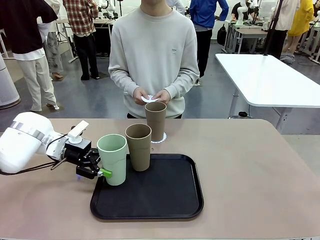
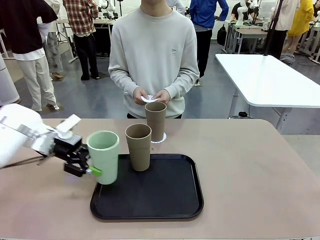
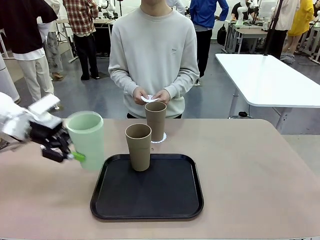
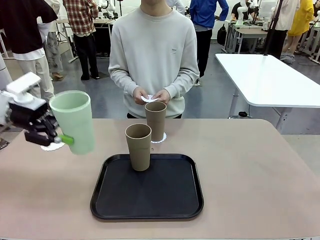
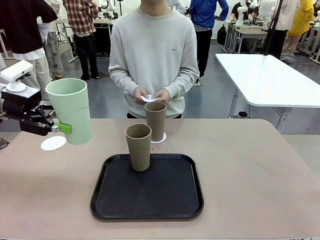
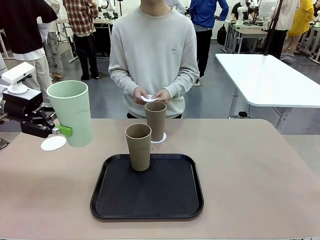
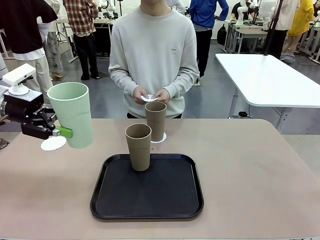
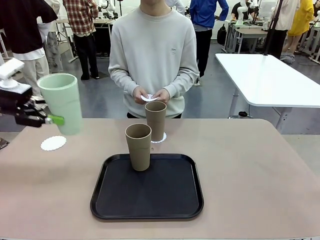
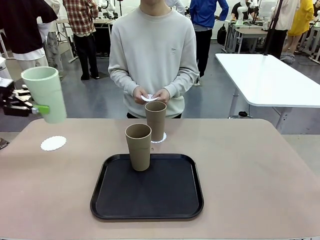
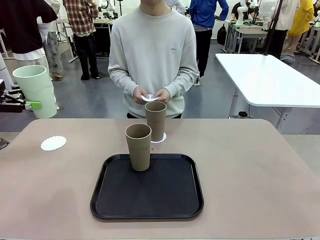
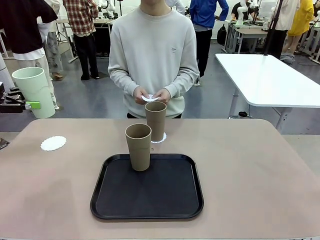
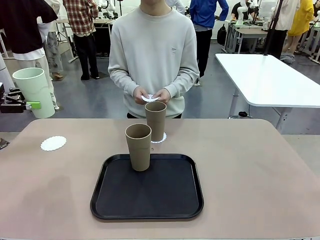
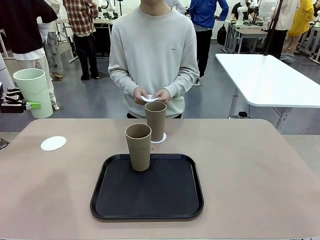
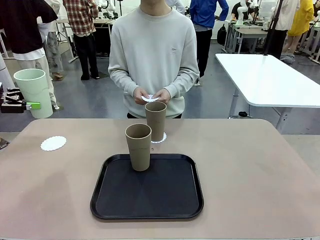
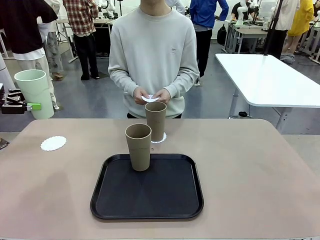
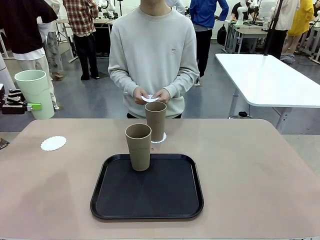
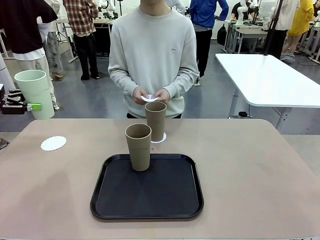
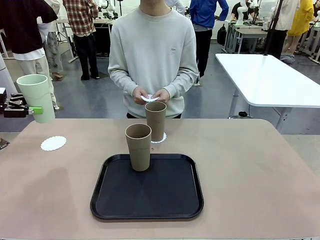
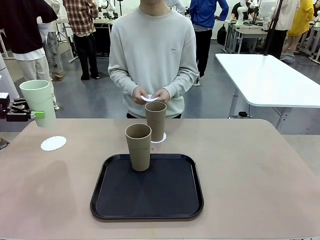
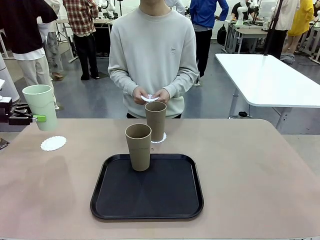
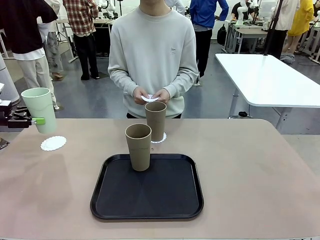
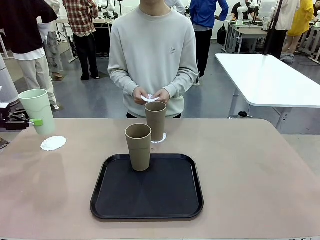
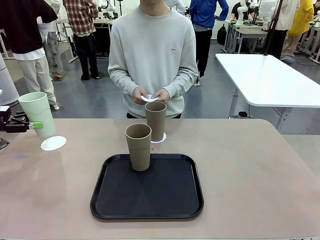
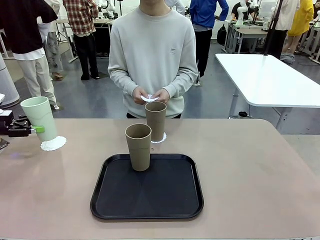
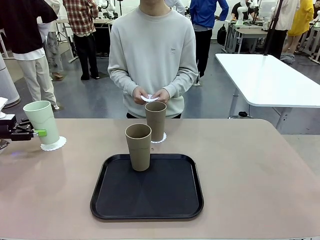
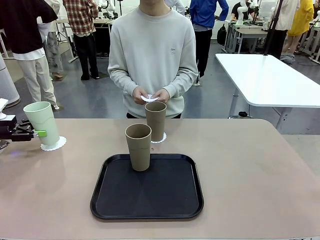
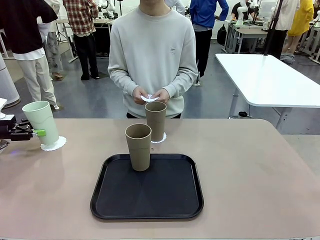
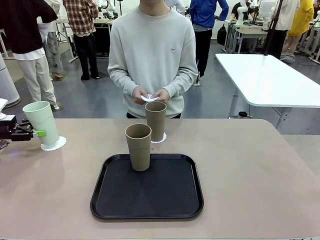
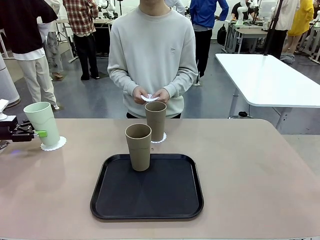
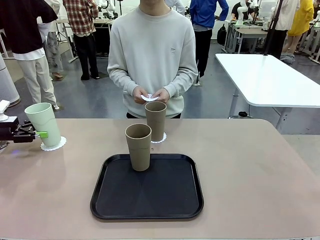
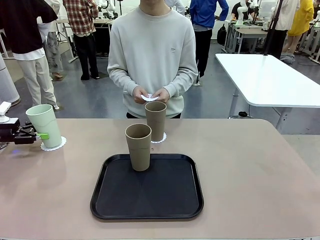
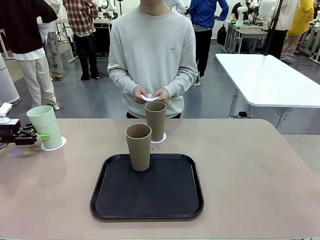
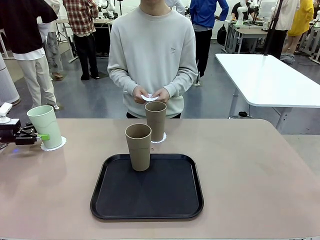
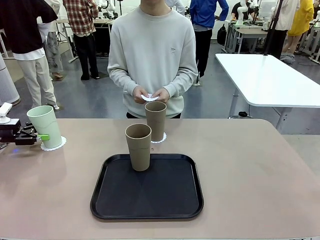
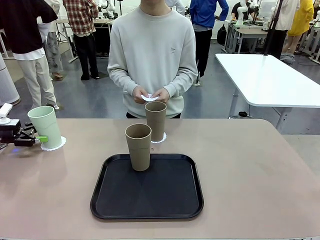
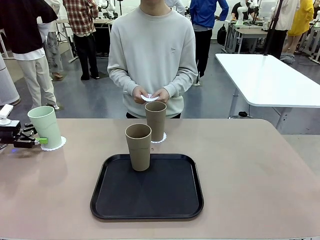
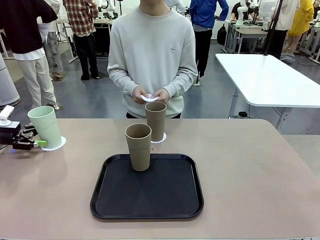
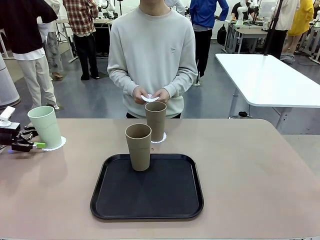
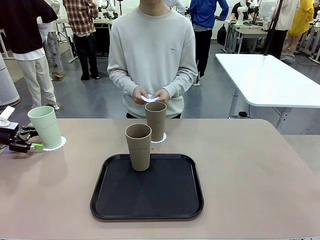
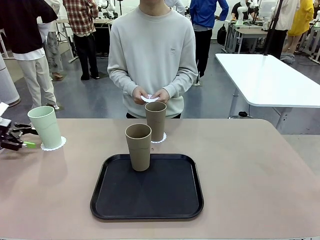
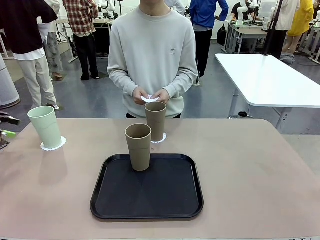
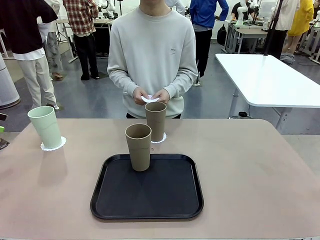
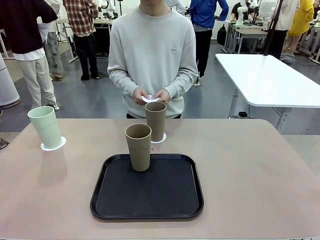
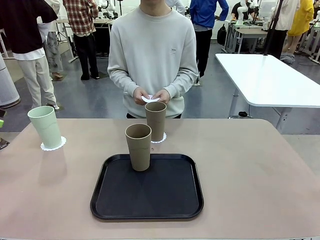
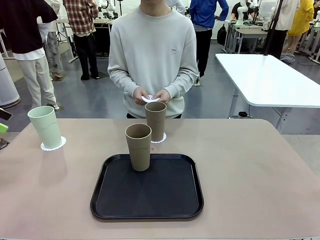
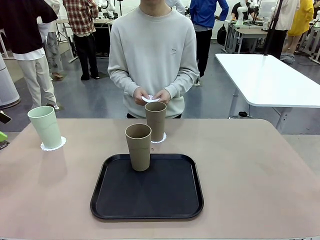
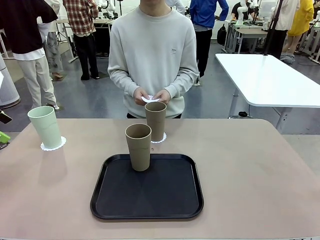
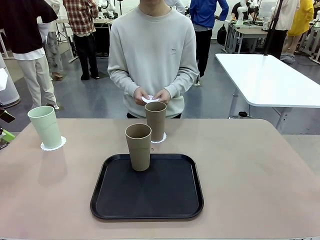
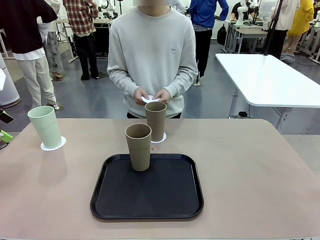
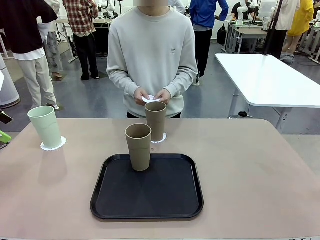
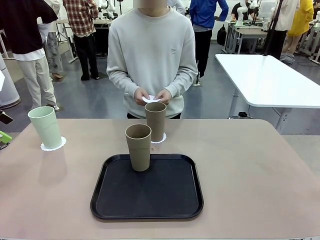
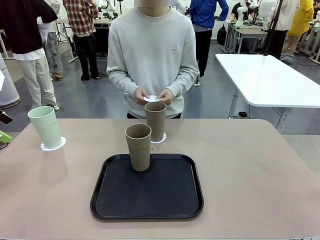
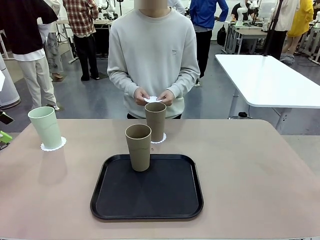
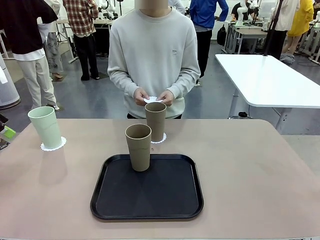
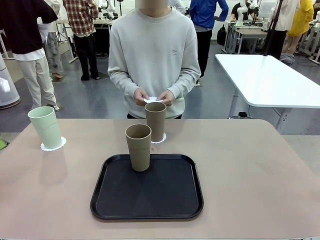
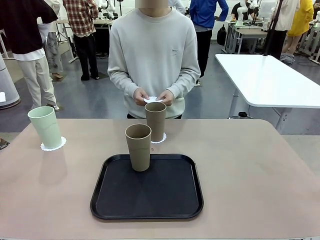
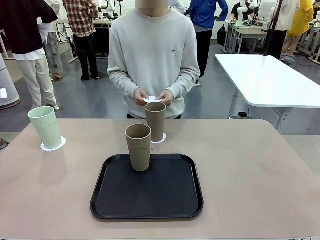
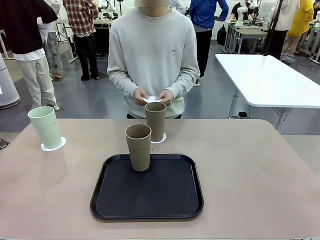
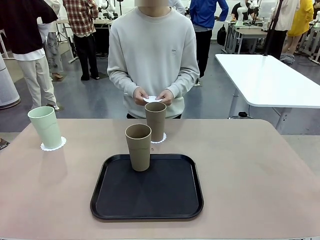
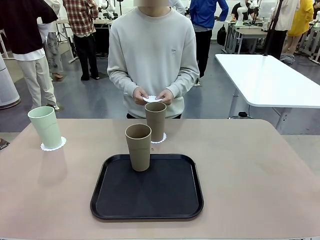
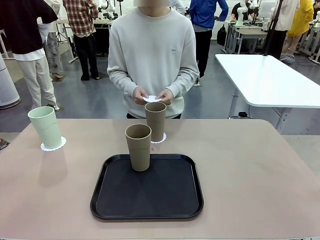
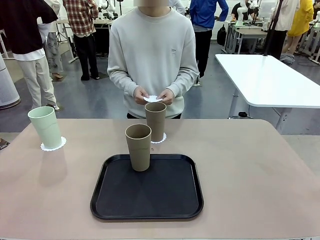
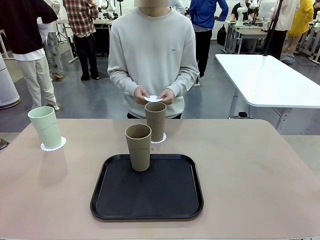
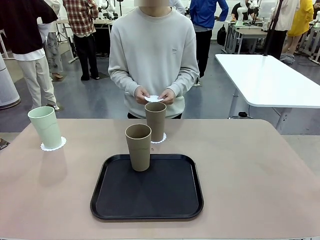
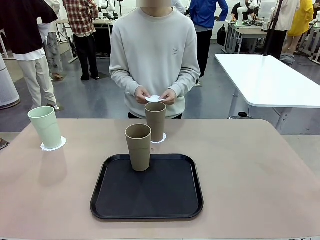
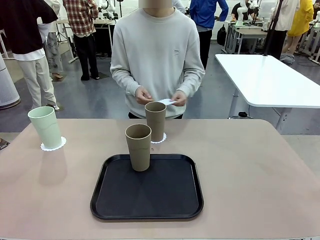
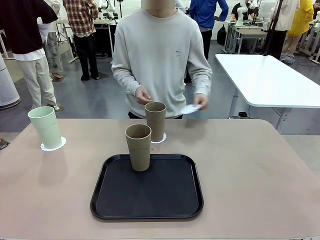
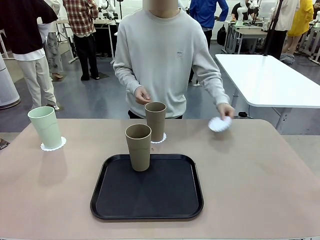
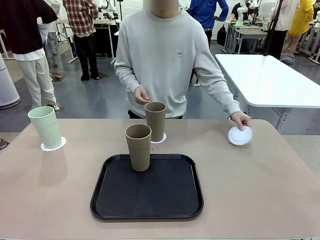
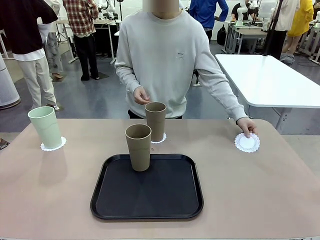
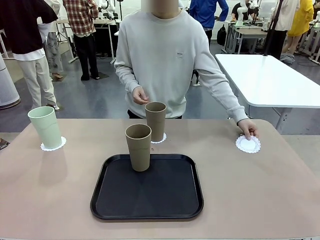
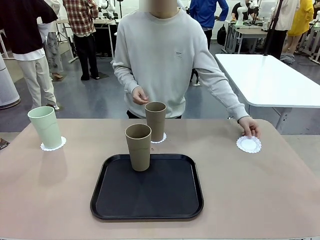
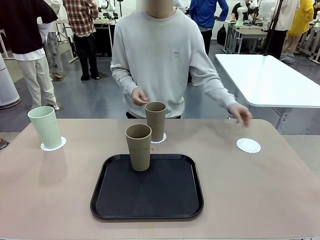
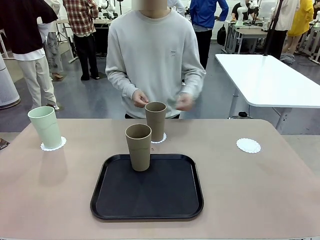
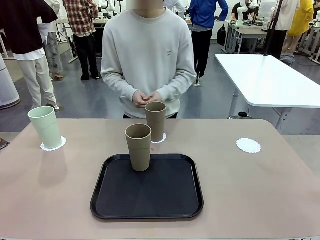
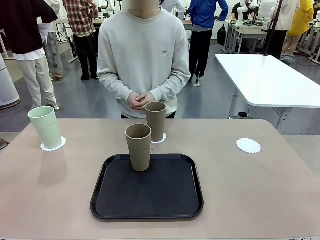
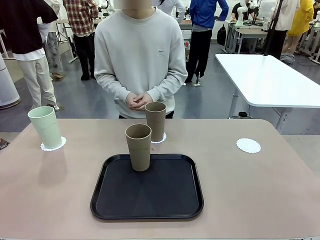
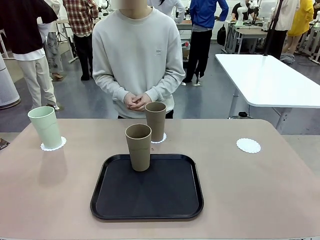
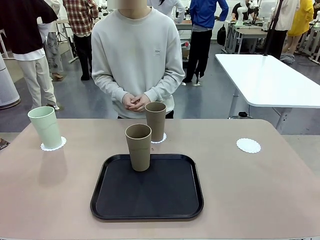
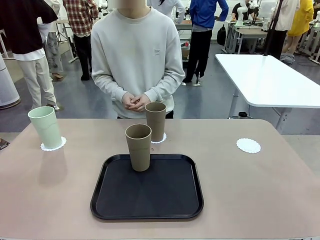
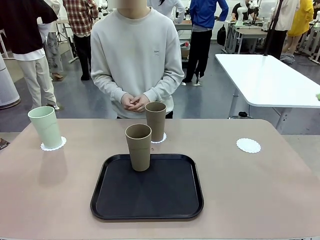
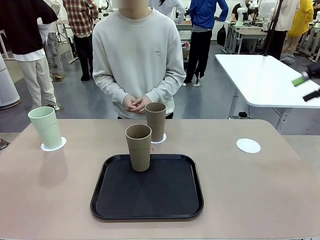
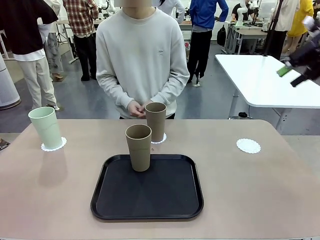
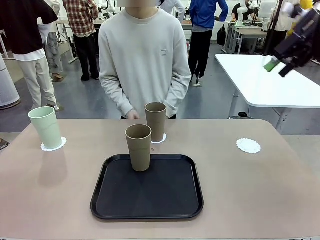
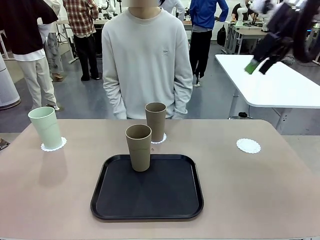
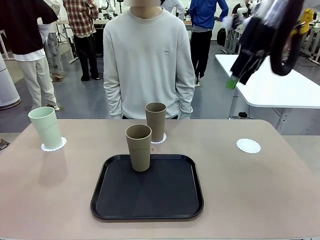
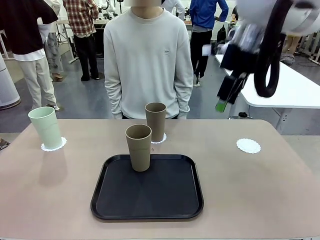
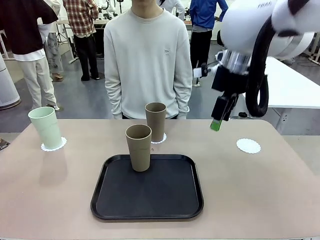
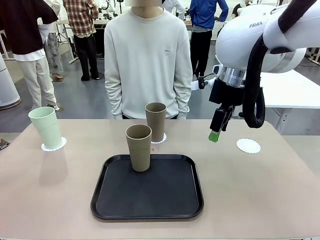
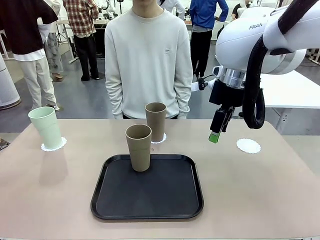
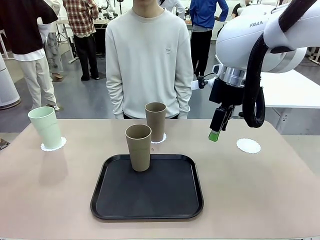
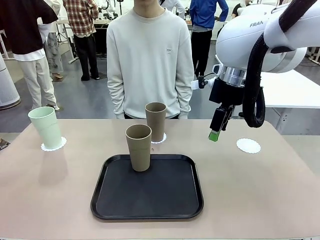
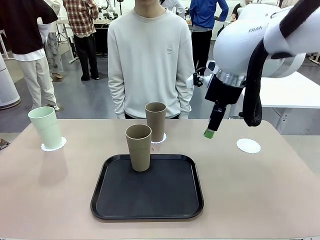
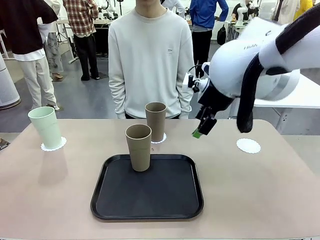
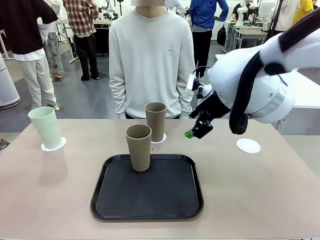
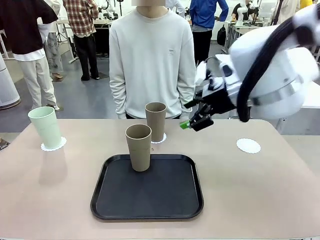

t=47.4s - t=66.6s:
Task: Place coasters on the table and set cups on them.
Robot: Take one Reusable plastic cup from the Flat Tray and place it on a coaster set by the human.
